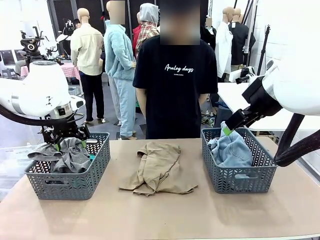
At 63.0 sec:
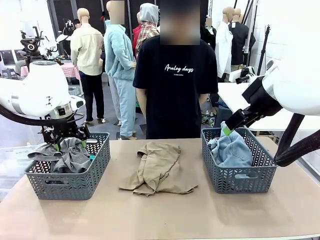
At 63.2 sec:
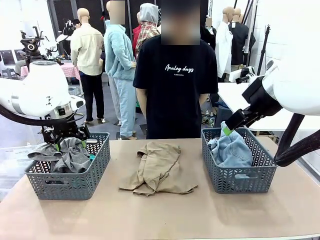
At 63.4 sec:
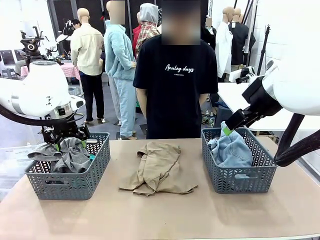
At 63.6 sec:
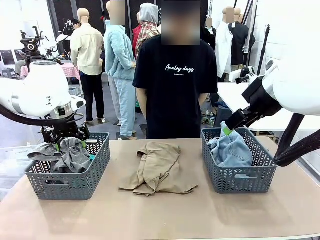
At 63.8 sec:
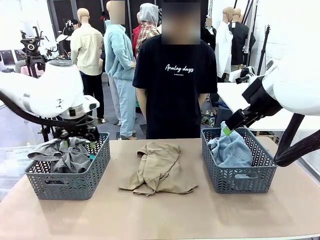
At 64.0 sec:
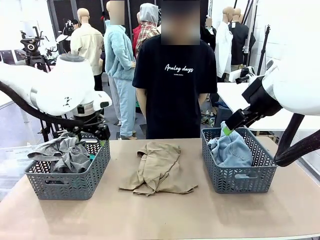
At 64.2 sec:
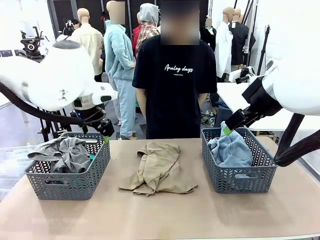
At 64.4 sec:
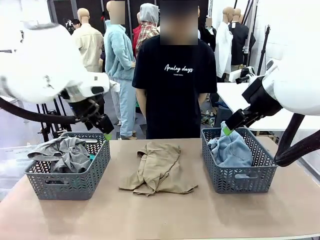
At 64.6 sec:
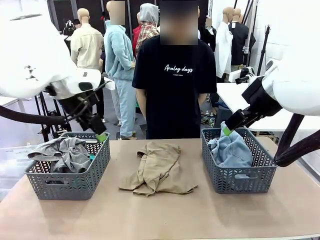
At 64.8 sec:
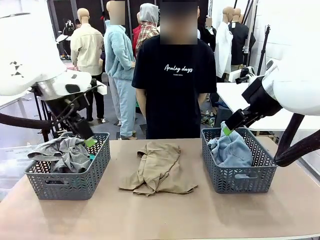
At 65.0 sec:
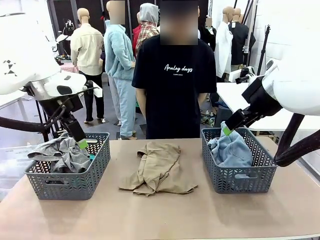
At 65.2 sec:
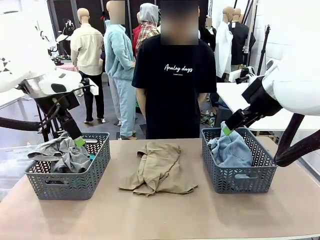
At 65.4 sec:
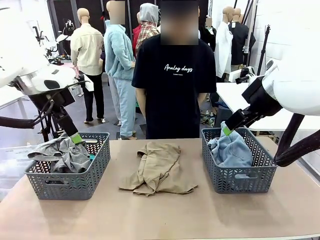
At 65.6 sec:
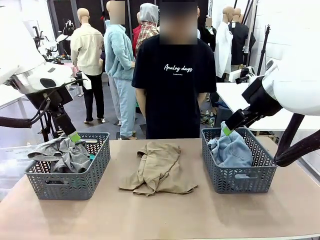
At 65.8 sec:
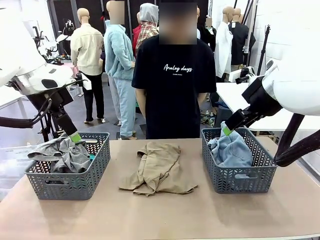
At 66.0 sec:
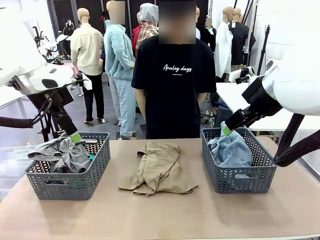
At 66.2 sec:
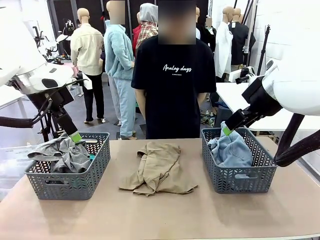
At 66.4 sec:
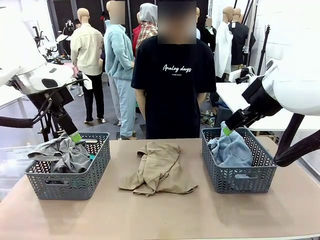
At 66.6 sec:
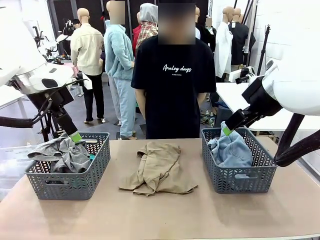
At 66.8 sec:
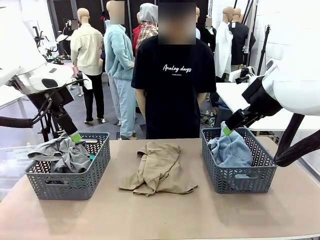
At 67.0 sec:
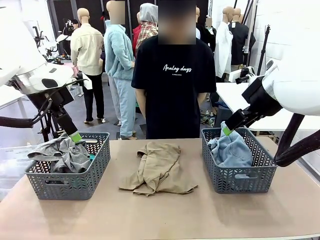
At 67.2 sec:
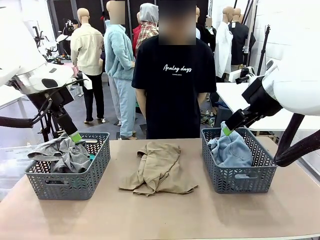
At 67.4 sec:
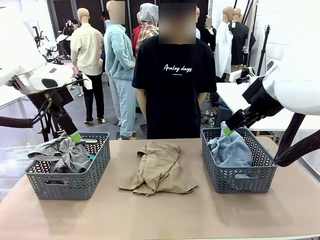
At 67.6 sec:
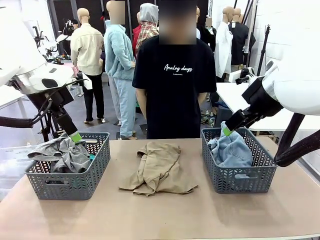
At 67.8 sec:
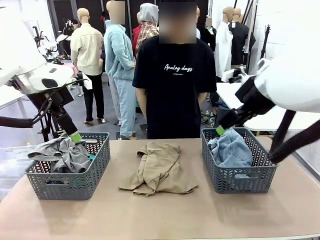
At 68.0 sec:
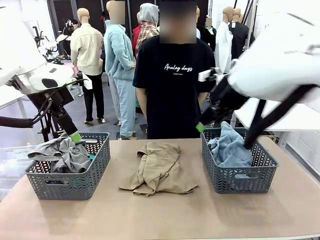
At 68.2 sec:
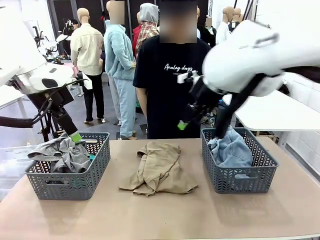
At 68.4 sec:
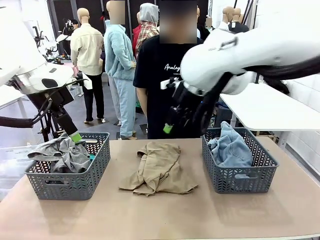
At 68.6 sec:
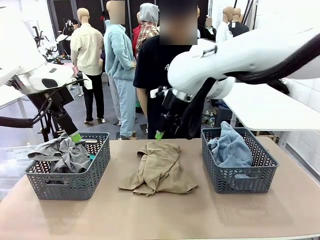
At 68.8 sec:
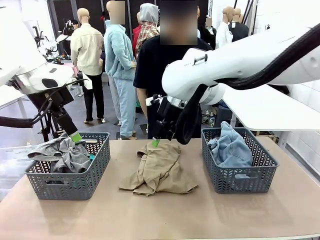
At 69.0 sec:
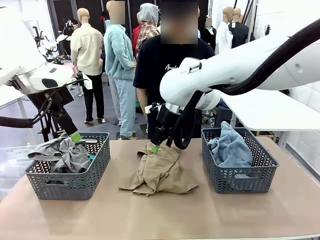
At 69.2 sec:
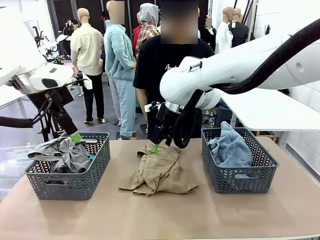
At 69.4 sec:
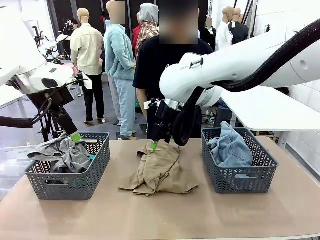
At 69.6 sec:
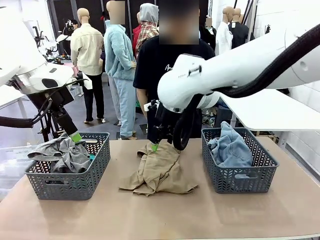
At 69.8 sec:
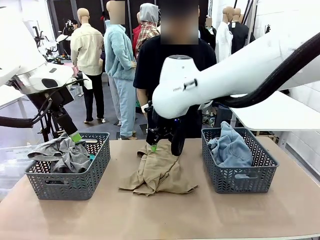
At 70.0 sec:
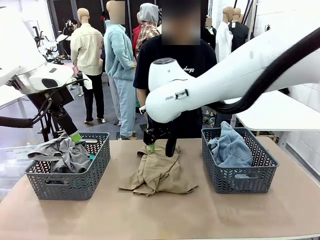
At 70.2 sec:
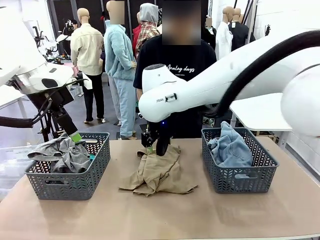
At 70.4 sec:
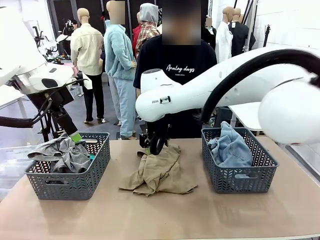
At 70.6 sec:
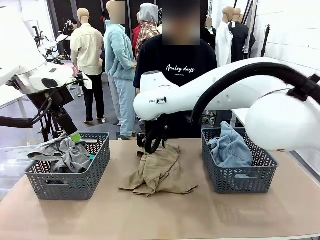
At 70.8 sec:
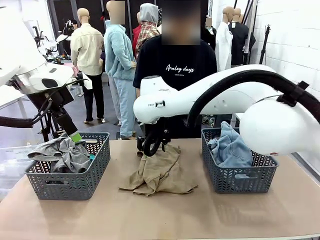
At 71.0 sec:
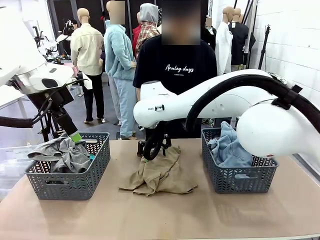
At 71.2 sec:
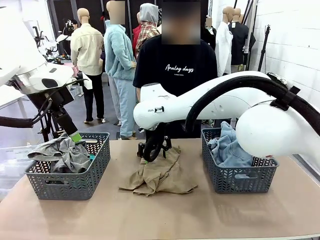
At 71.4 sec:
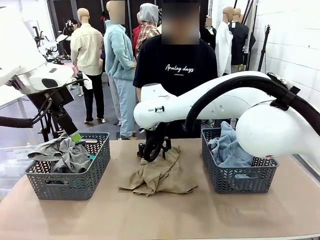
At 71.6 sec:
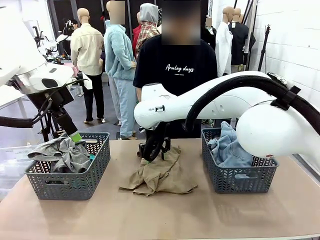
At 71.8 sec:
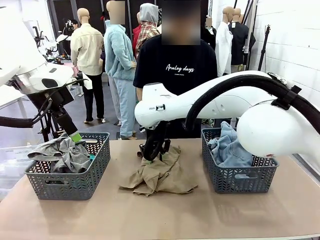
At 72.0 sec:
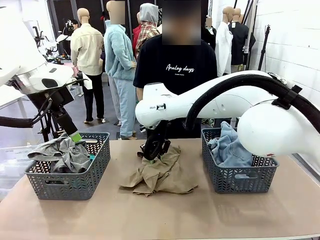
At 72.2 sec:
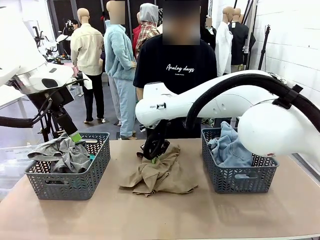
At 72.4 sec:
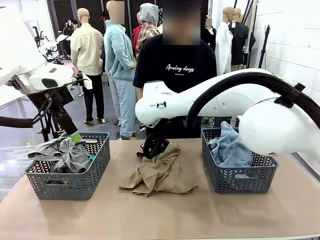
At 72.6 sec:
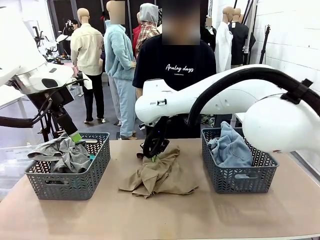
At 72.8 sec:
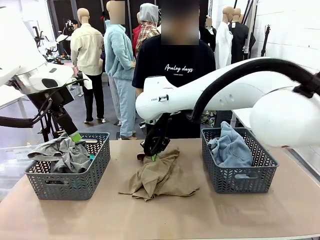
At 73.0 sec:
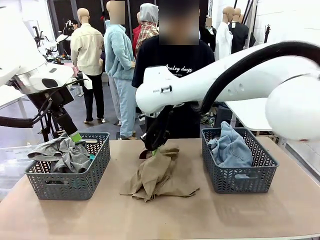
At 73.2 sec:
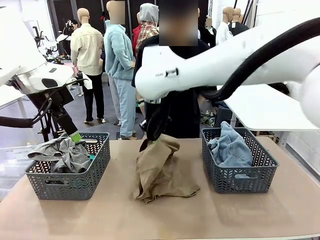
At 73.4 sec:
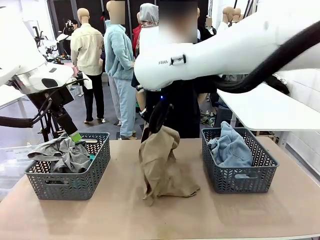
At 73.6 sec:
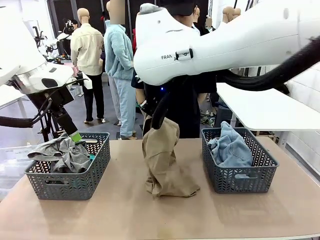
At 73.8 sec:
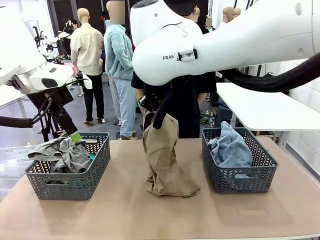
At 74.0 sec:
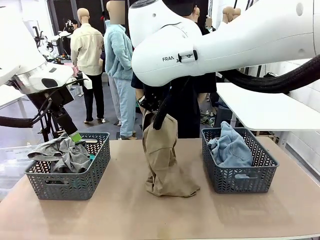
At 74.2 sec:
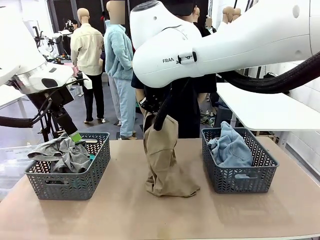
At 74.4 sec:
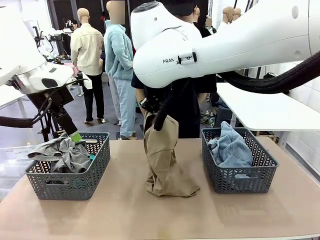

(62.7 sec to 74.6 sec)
Task: Sort the tops and bottoms.
Robot: Lift clothes from the center of the table with your right hand.
